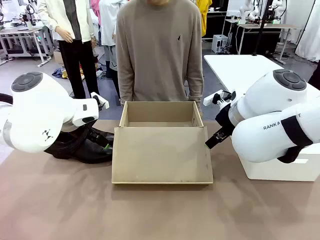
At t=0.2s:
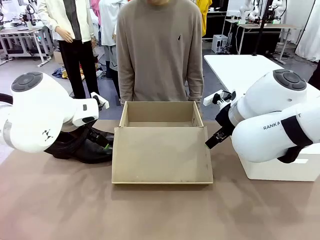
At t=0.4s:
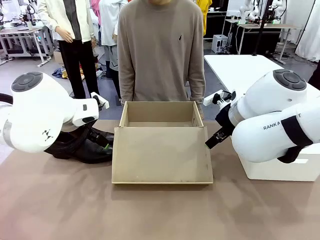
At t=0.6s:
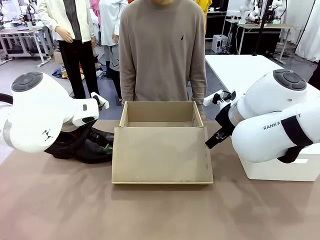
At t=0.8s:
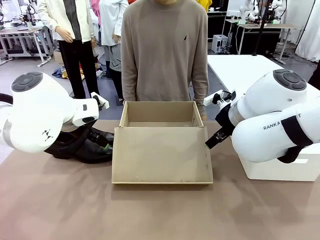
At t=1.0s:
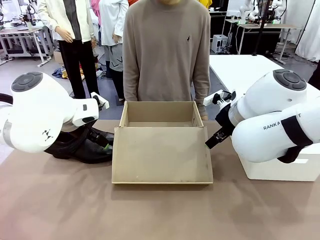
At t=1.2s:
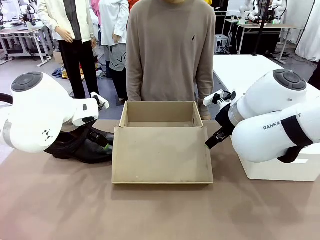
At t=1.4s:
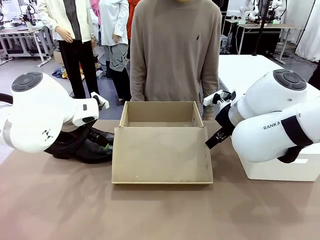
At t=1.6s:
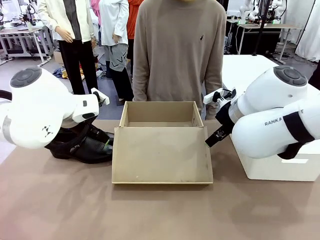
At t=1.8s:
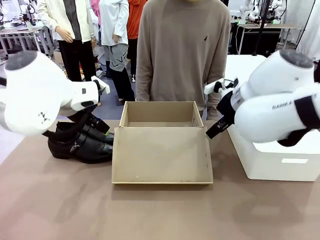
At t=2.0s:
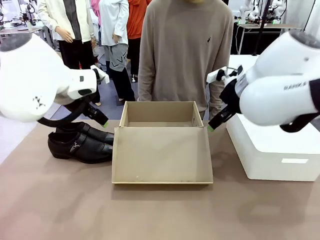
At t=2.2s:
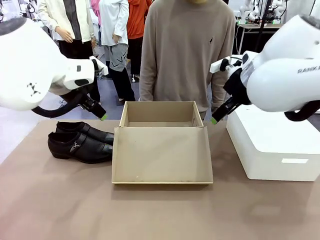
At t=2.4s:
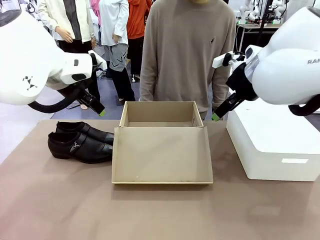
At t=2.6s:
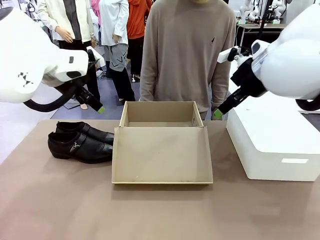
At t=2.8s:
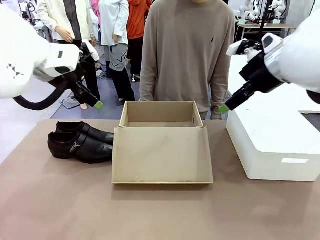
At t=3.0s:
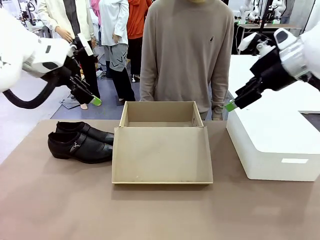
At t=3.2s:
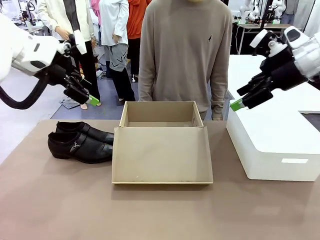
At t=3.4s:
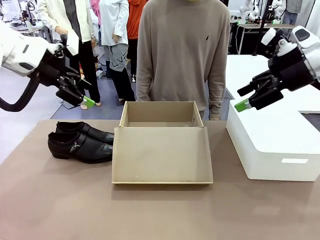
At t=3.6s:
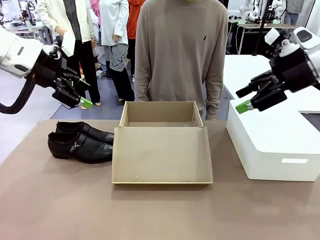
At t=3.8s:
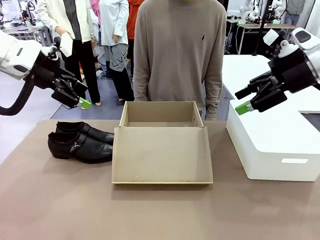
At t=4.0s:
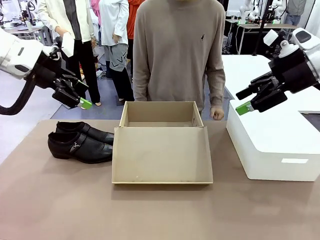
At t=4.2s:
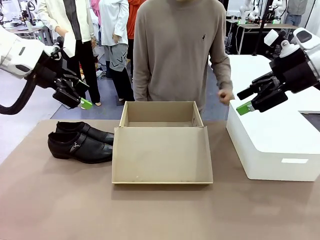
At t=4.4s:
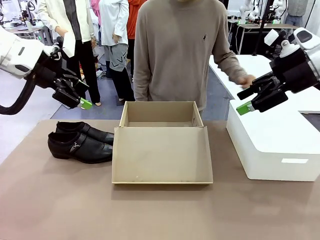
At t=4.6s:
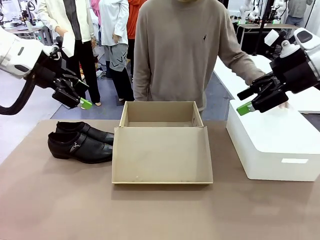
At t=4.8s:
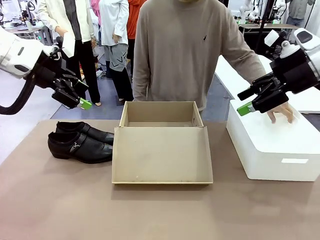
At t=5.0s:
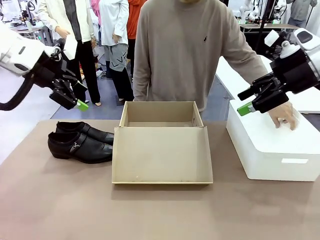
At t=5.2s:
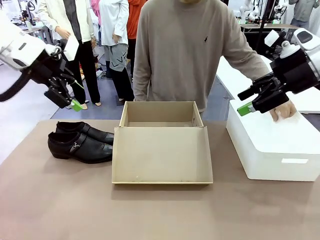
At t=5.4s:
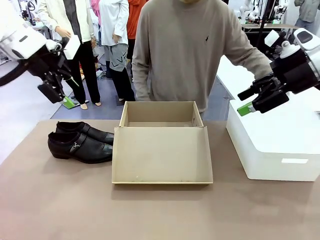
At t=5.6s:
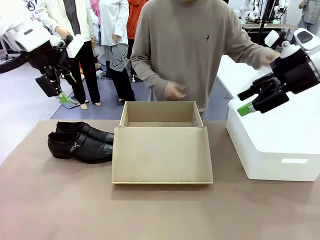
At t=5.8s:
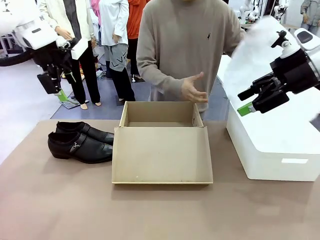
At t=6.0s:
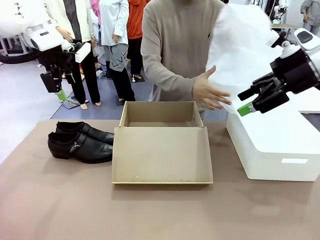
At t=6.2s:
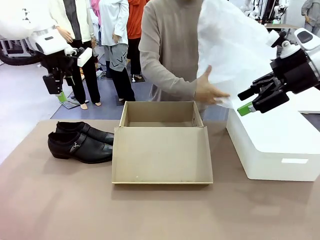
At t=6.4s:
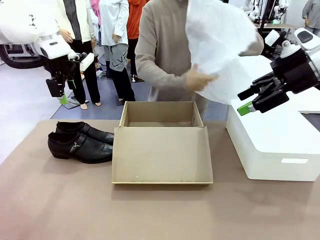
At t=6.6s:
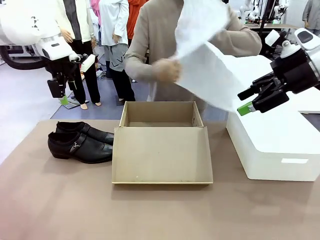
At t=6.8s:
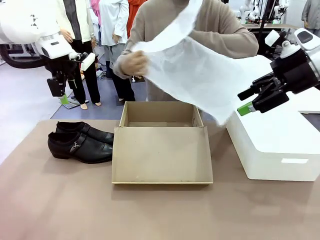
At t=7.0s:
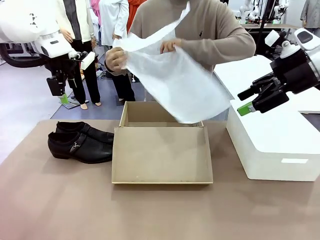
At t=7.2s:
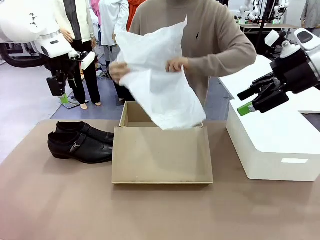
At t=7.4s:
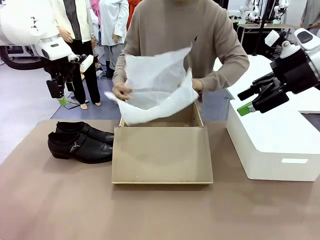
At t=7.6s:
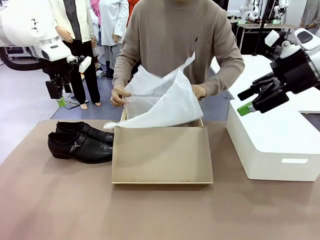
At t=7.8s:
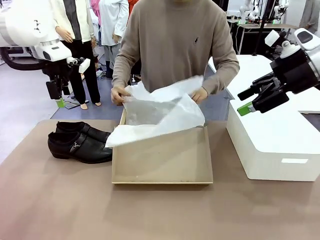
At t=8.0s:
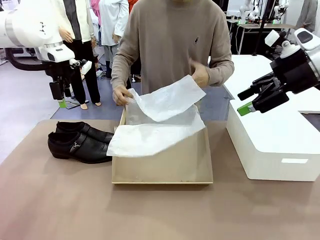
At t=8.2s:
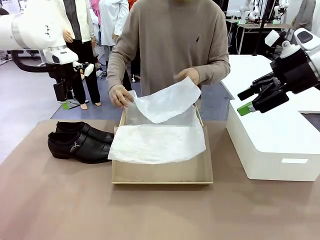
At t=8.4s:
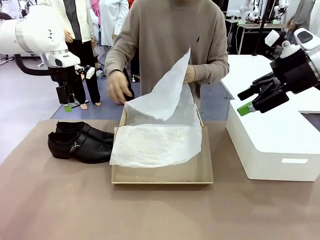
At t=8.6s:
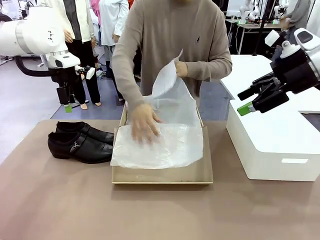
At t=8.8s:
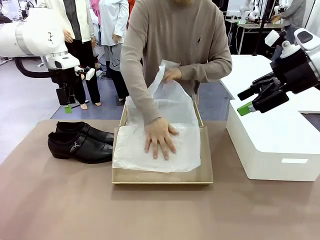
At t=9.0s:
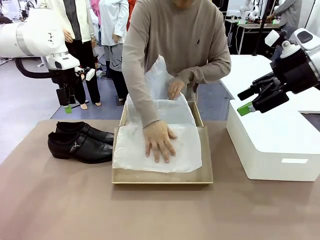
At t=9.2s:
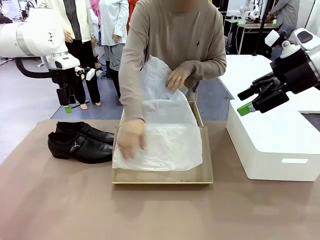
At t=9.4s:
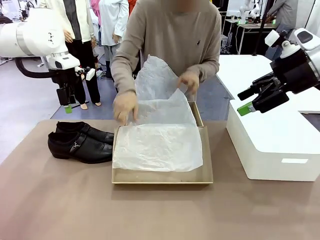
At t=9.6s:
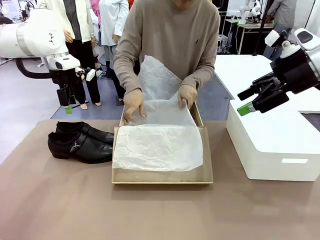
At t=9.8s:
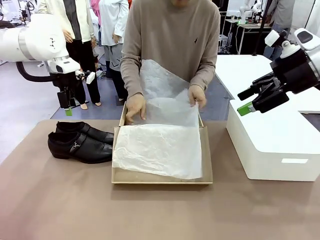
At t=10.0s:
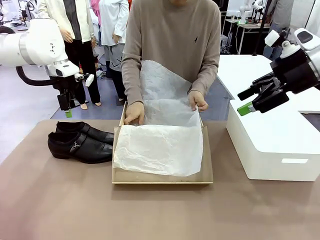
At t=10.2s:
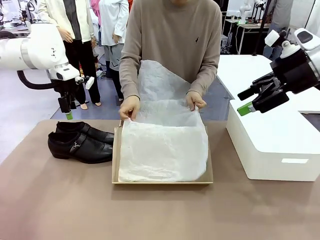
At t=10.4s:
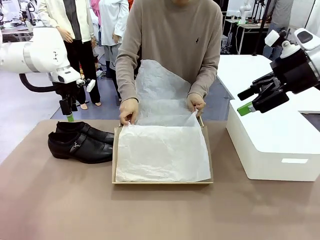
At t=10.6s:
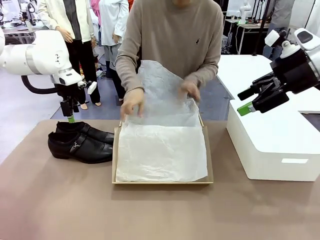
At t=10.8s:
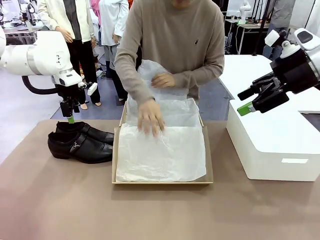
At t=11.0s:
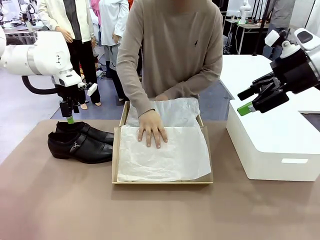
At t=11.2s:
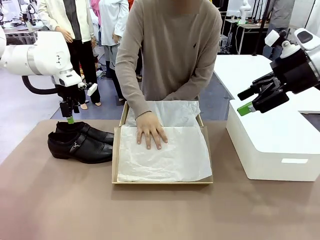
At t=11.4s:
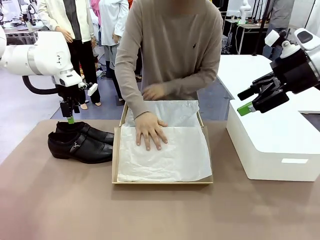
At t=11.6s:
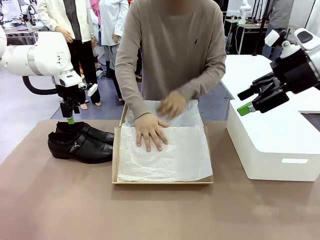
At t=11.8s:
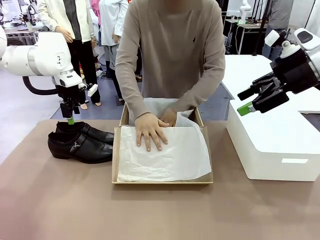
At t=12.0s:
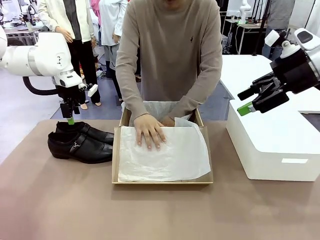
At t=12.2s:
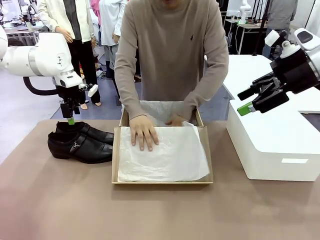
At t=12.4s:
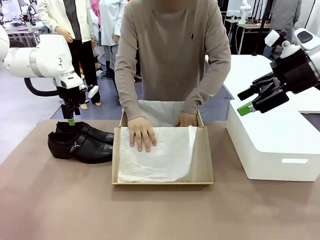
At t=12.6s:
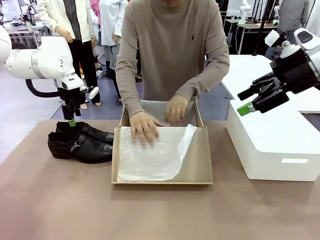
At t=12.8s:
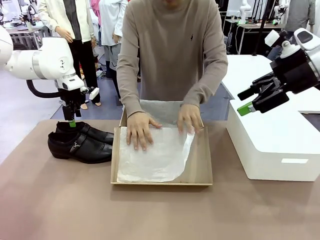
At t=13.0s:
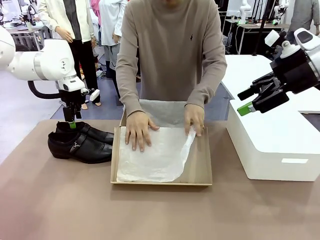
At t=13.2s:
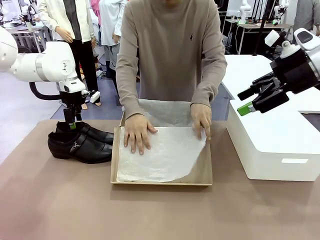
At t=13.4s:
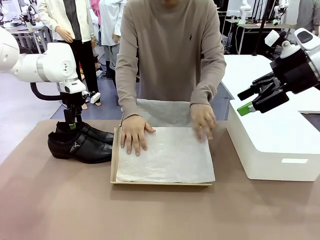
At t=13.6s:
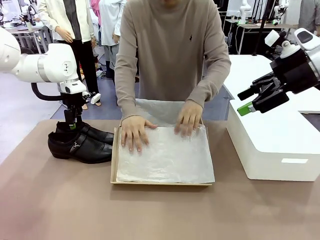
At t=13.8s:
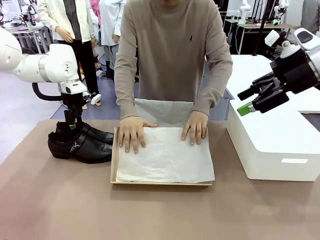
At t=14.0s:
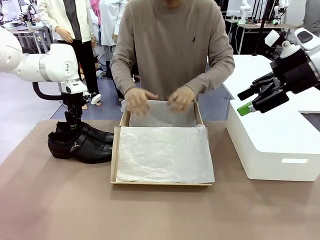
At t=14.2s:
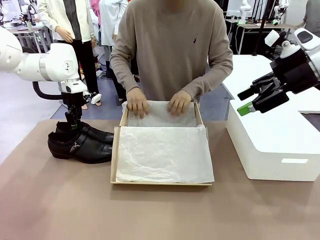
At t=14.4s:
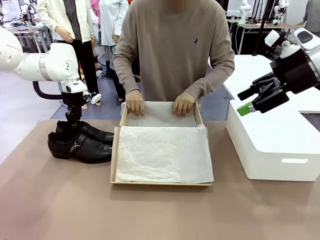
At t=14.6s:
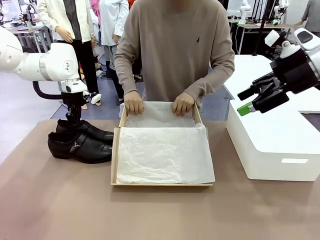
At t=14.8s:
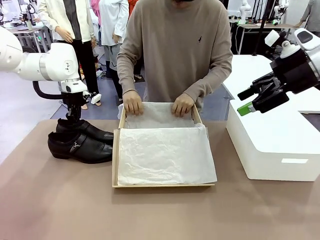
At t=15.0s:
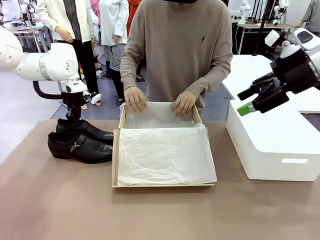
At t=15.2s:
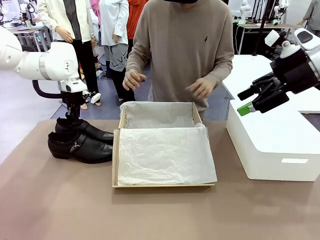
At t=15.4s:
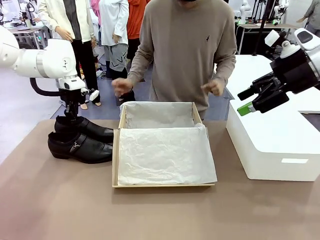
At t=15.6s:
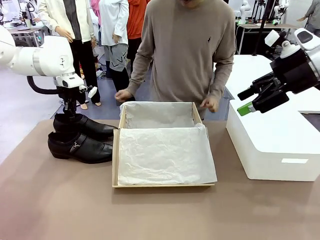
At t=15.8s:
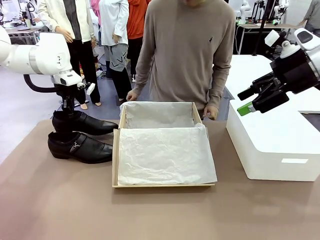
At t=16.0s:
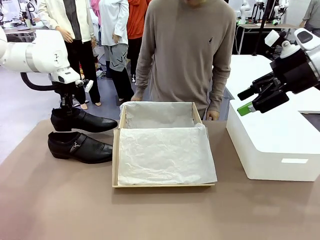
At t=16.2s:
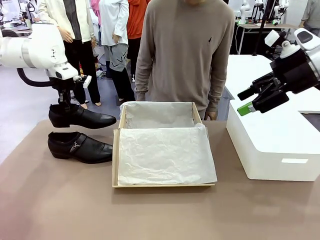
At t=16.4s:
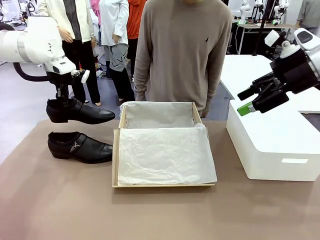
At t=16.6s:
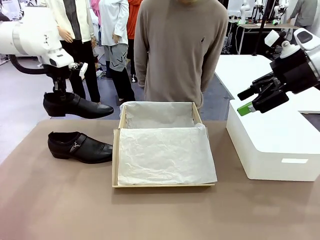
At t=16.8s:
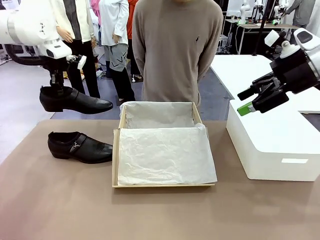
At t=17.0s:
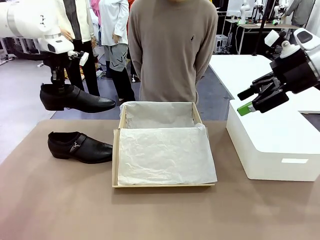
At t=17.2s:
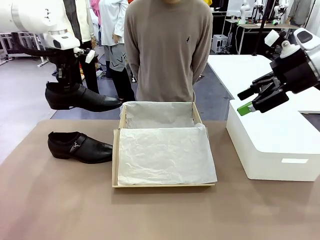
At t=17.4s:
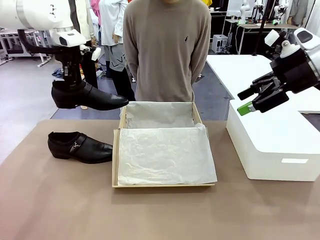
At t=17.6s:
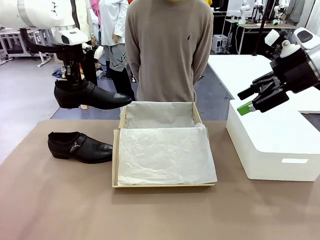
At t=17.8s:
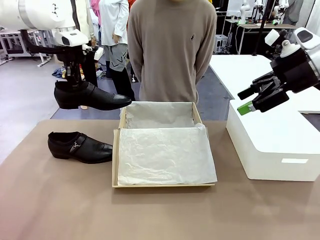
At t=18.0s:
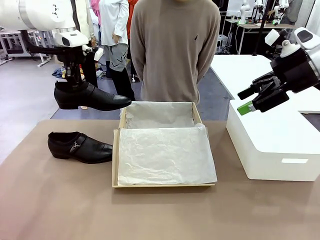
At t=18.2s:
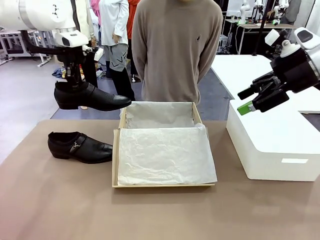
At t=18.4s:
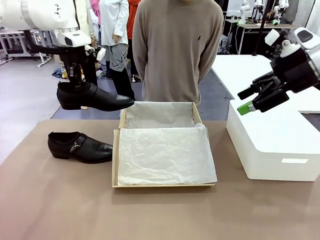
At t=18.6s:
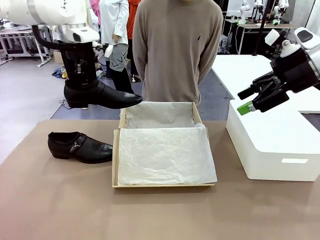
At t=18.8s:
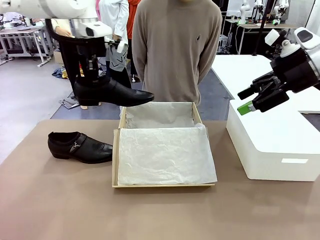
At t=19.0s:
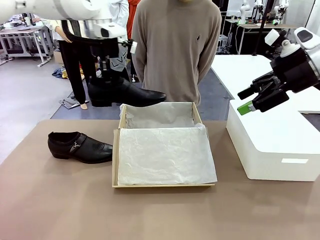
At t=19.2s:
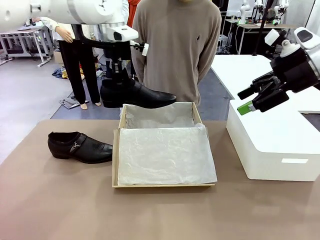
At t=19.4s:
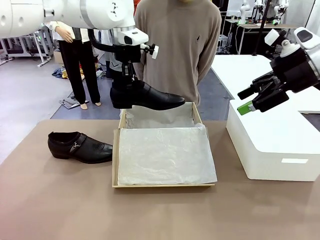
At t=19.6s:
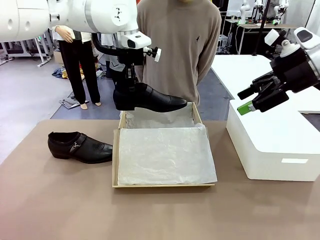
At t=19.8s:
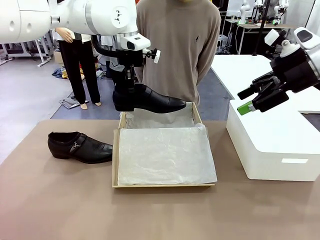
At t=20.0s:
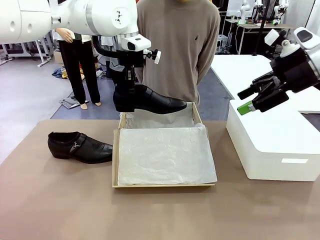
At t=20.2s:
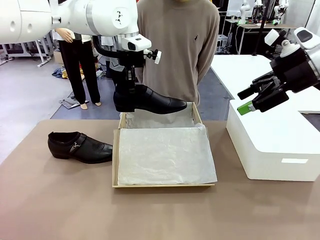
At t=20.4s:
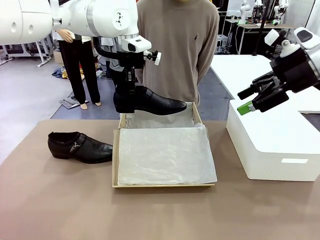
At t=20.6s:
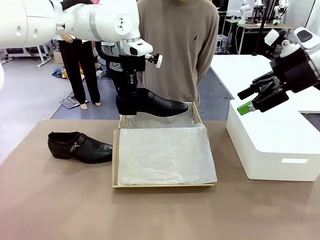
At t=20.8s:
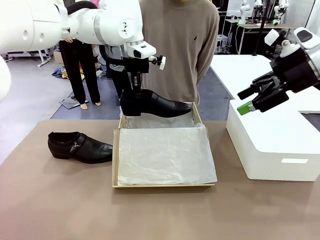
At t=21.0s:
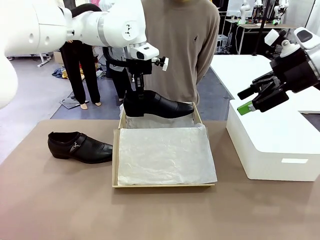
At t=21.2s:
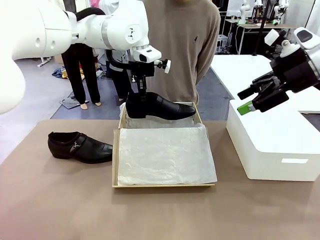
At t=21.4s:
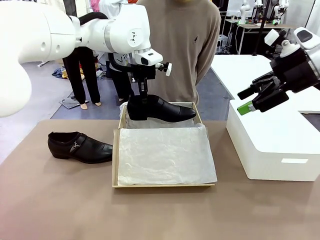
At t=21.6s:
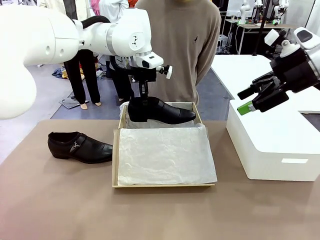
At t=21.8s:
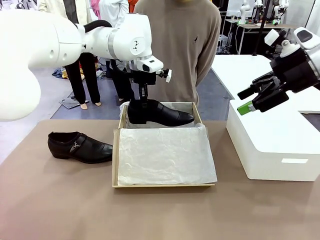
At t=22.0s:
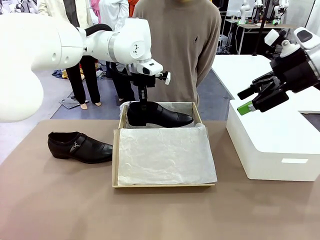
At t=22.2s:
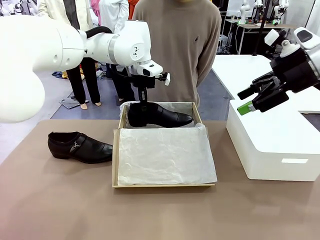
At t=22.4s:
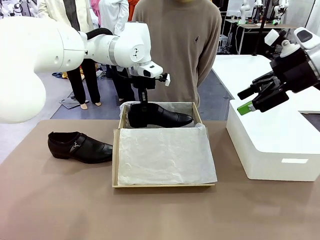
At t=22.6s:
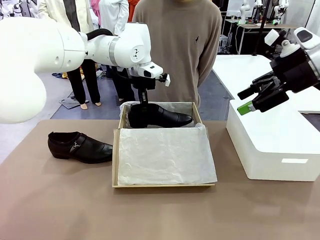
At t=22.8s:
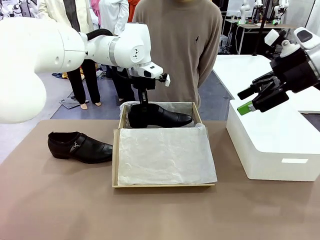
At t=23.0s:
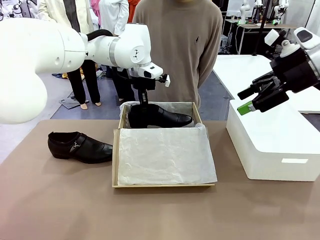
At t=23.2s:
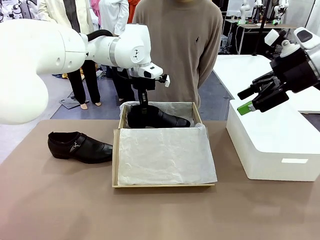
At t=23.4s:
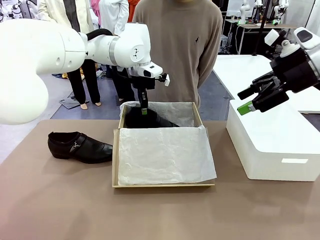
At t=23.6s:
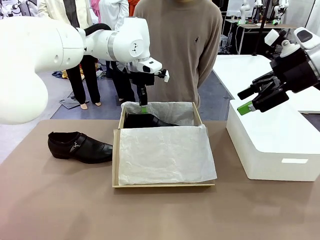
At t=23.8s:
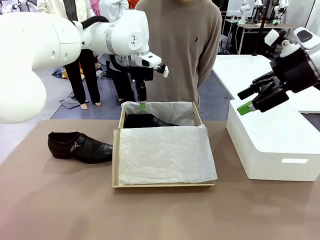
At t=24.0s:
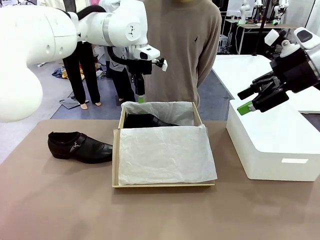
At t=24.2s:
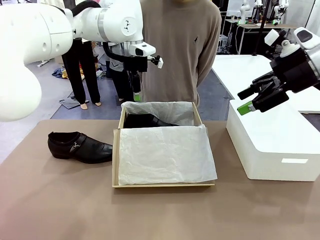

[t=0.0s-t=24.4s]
Task: Pack the shoes into the box.
Robot: Place one shoe of the Shoes into the Shoes Box.
Person: Spread Shoes Wrapping Paper and place inside the Shoes Box.
